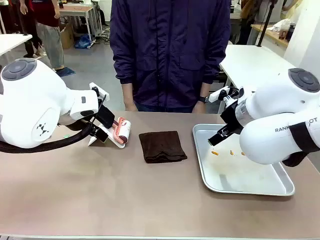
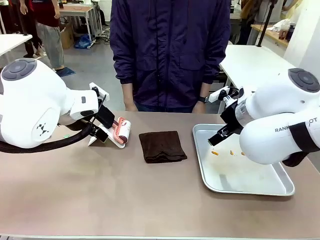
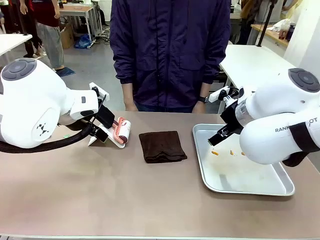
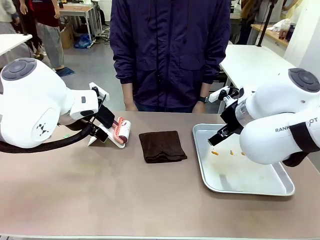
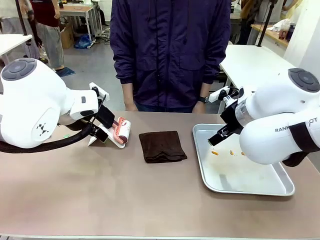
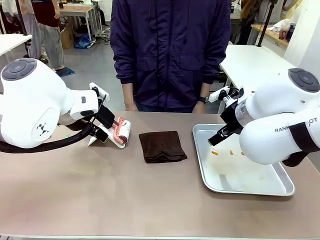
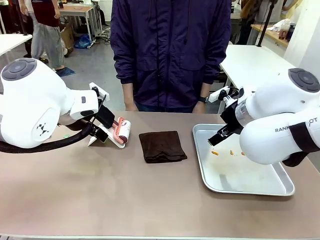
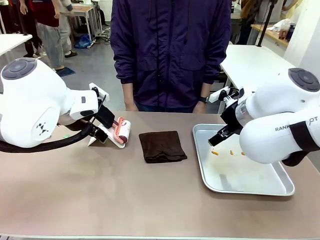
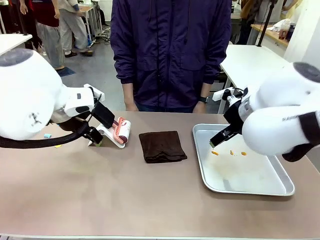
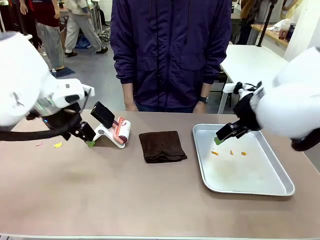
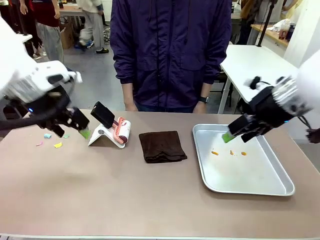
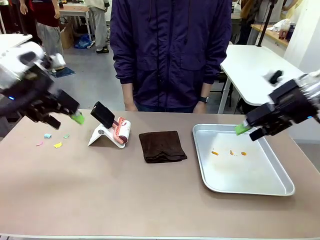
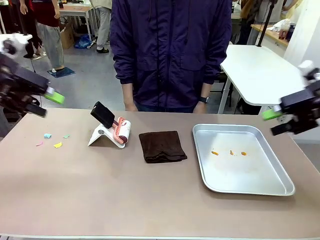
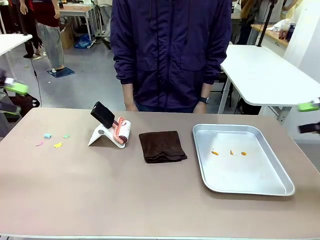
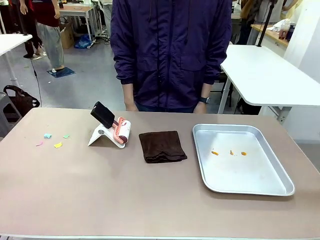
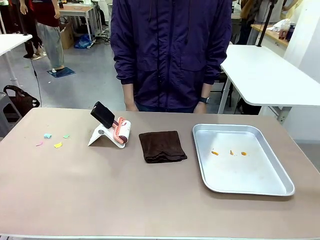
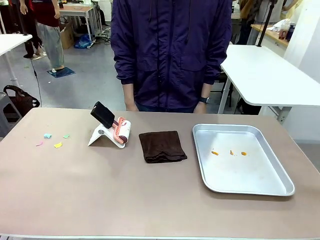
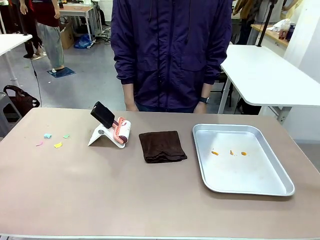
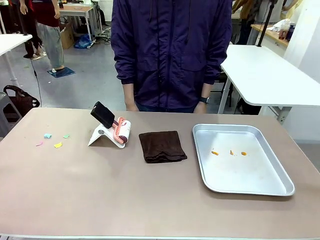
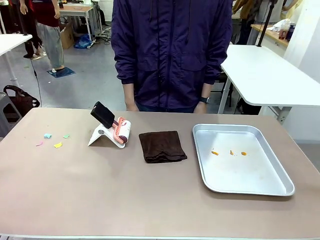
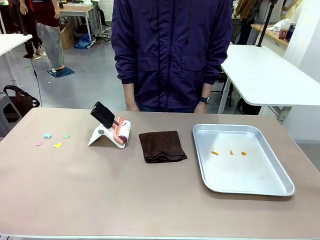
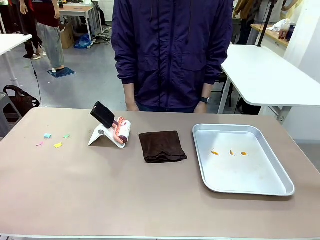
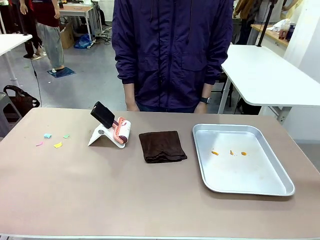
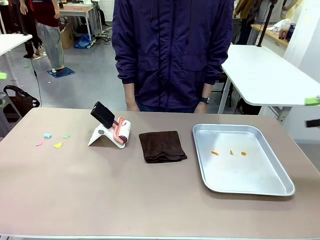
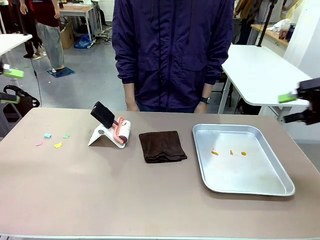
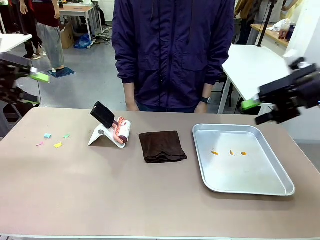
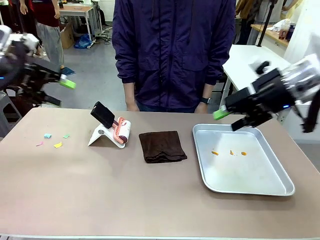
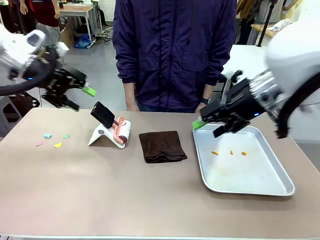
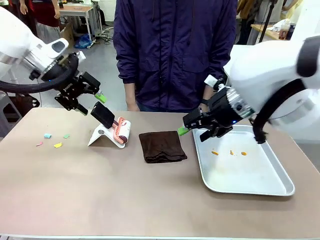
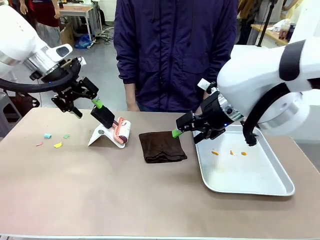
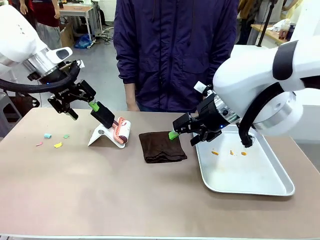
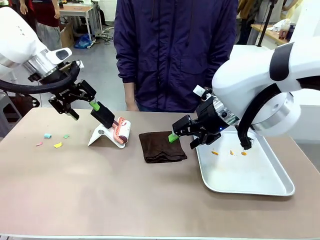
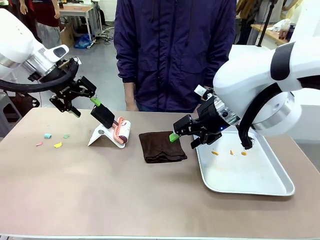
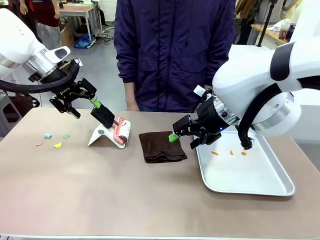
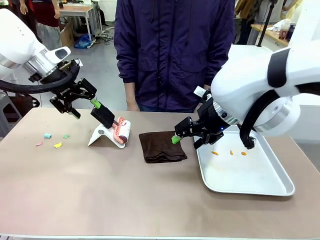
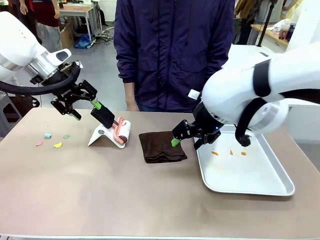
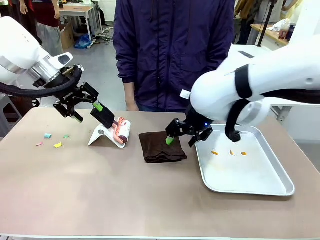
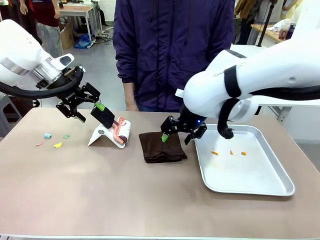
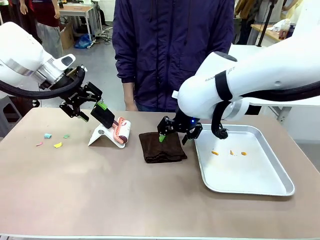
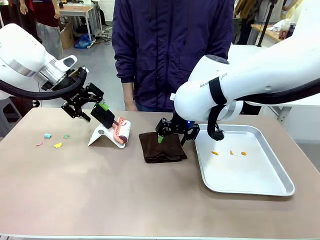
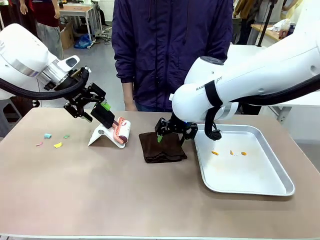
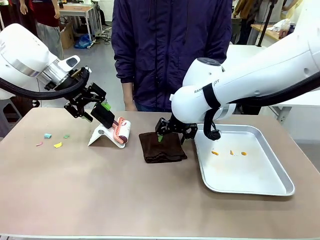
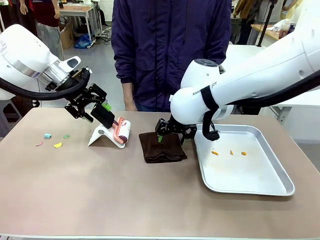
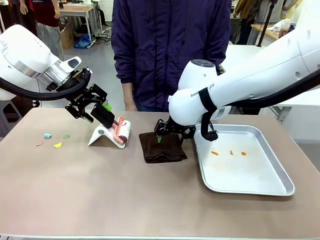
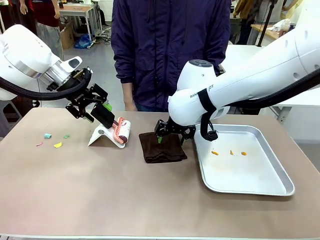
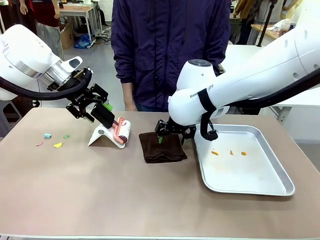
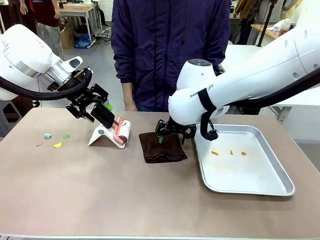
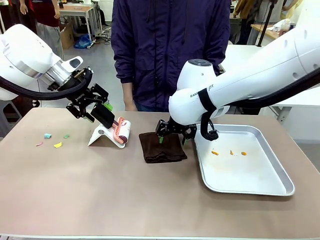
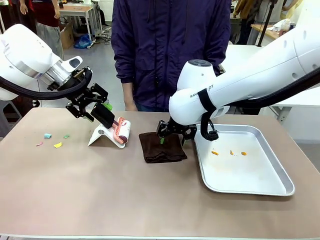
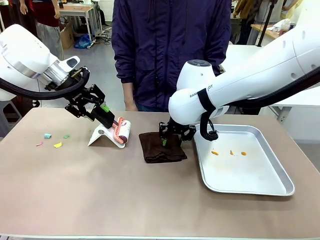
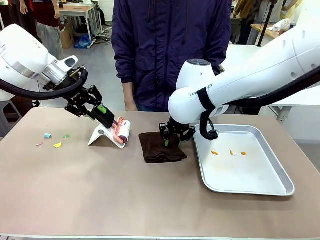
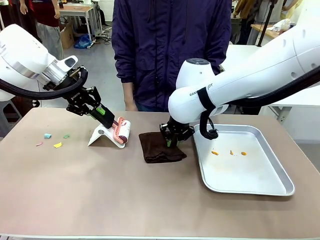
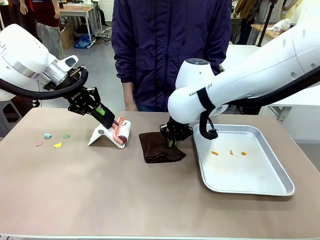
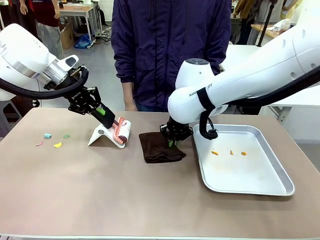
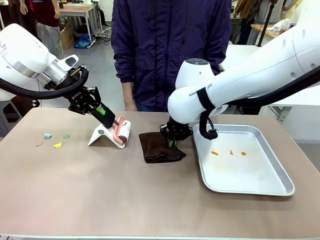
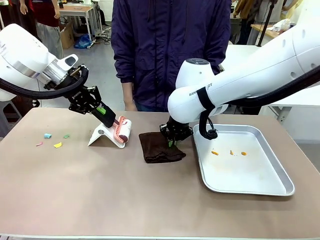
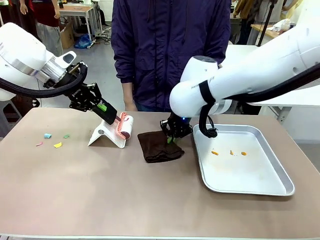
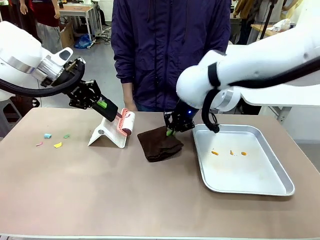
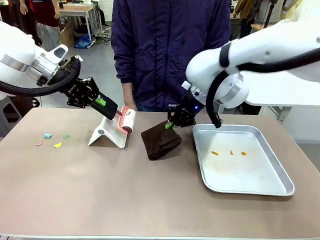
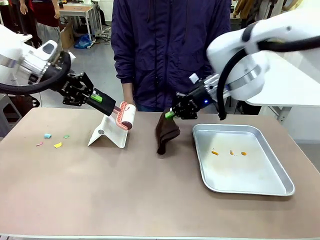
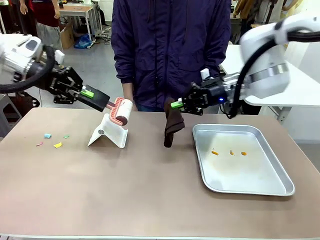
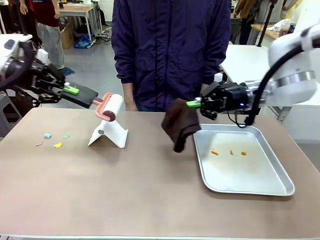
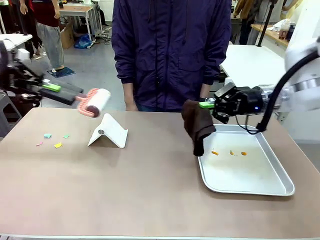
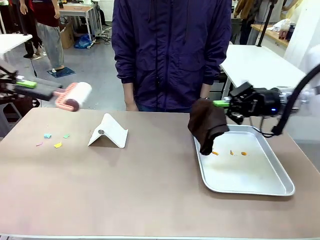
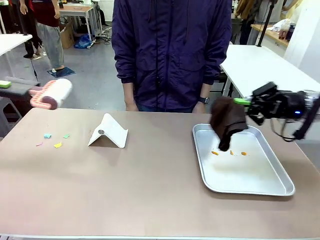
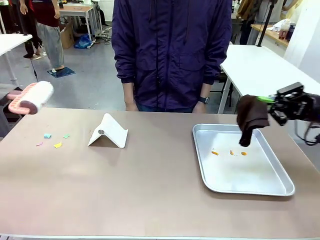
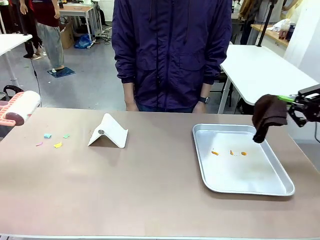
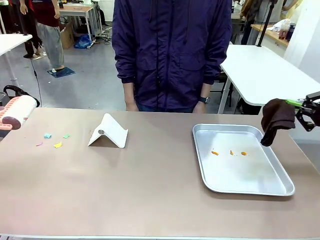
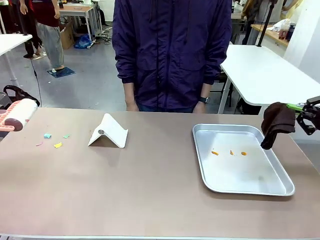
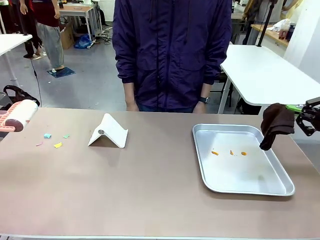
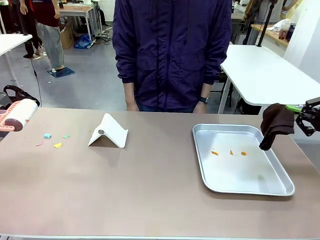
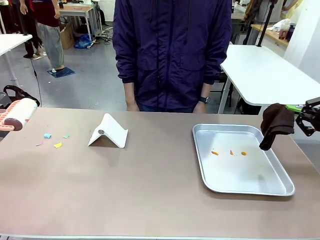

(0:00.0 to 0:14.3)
Task: Clean the surface of the table.
Robot: Hold the Lint Roller with your left hand and the towel with your right hand.

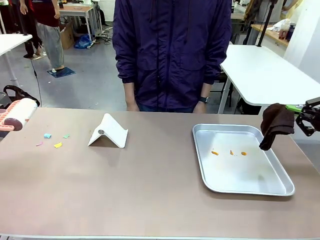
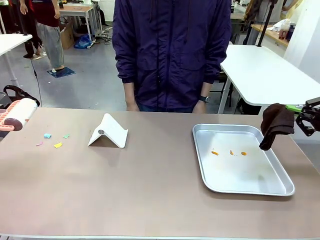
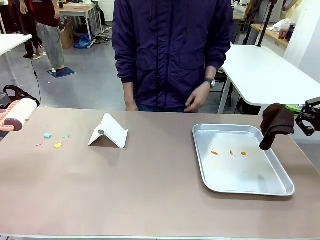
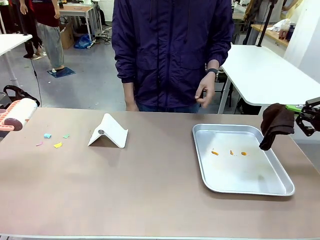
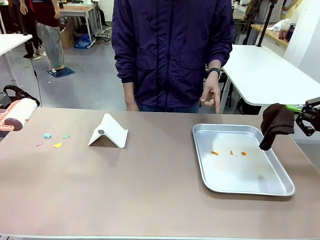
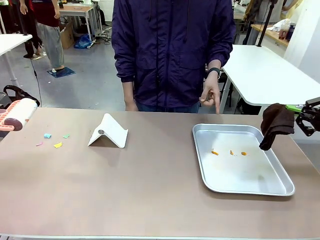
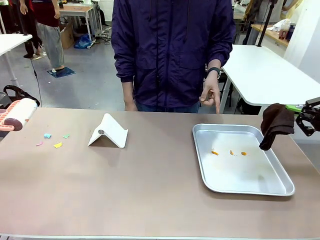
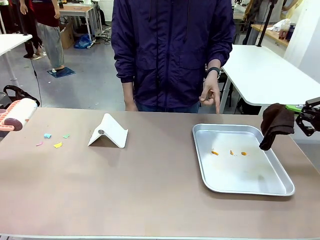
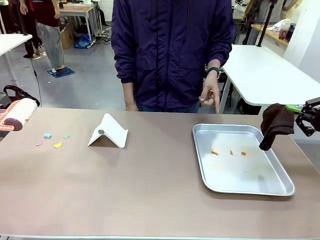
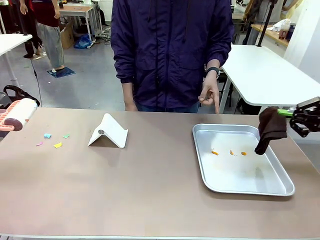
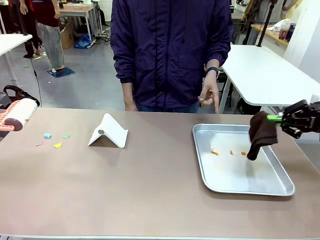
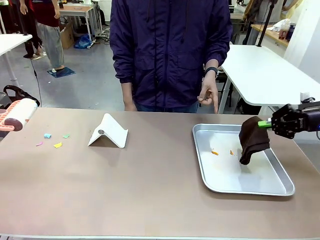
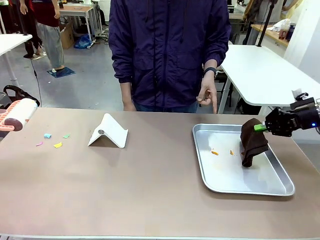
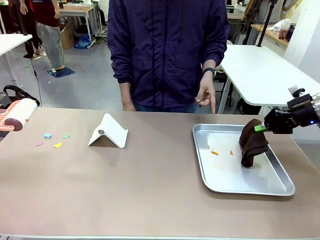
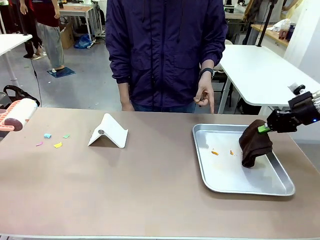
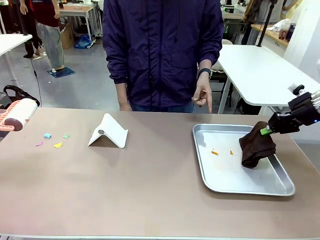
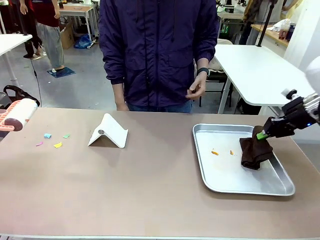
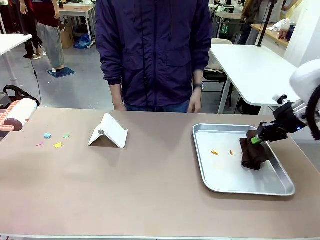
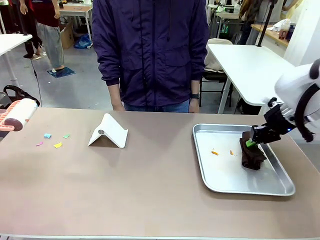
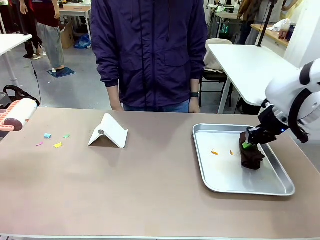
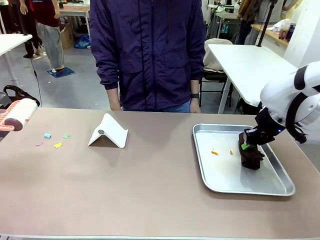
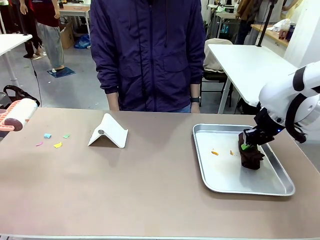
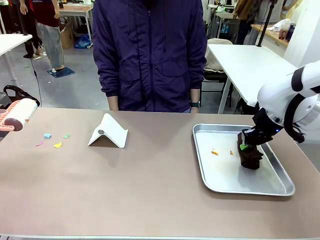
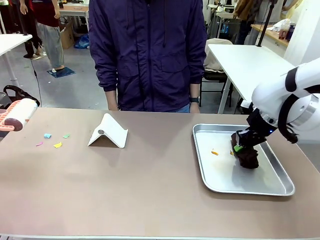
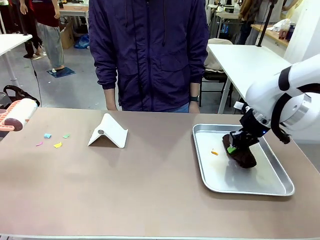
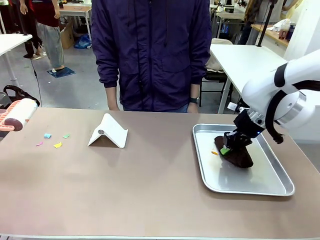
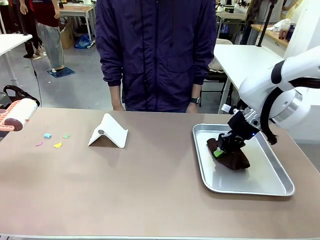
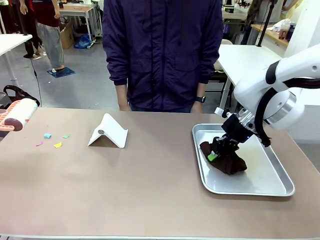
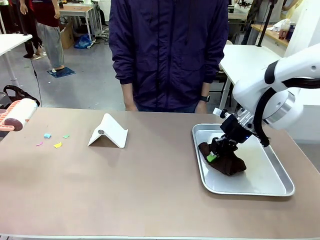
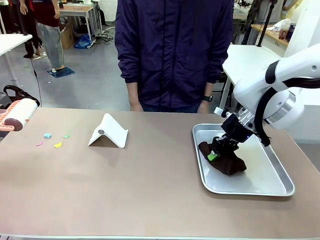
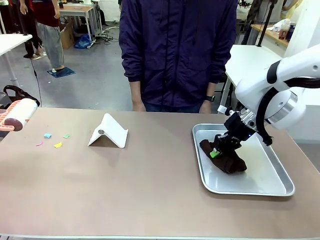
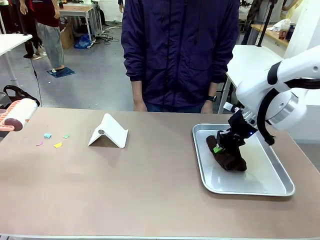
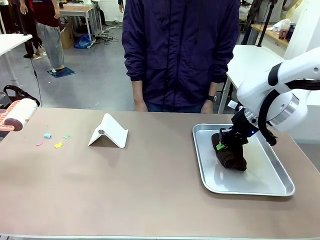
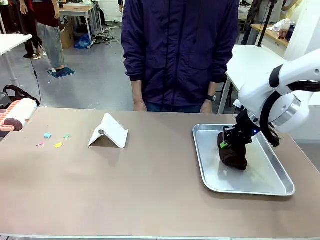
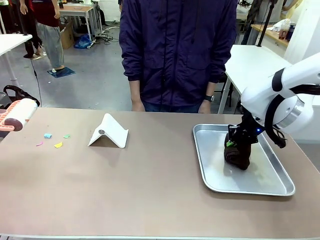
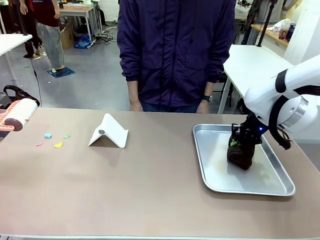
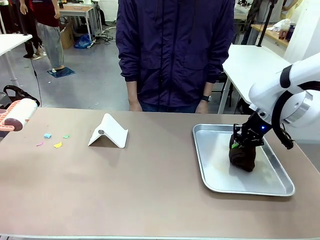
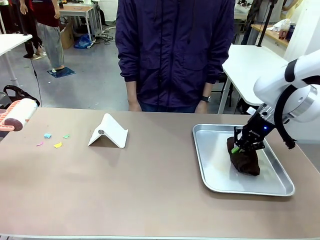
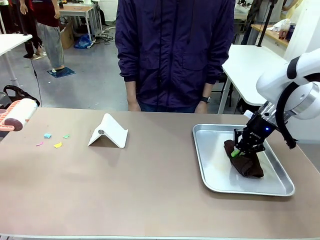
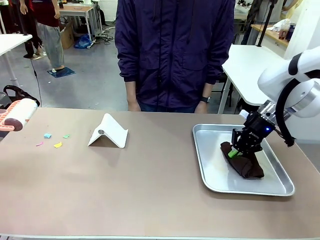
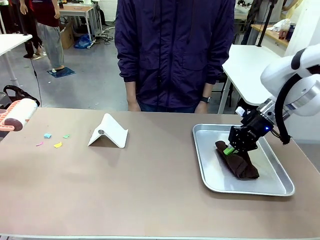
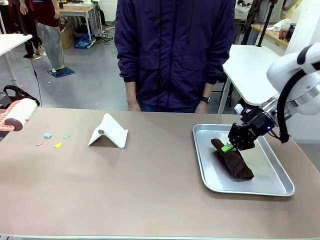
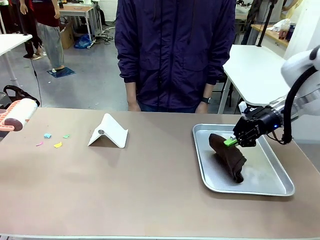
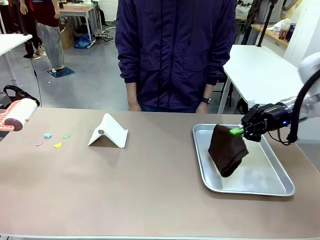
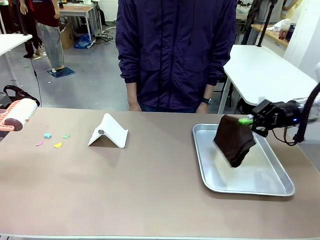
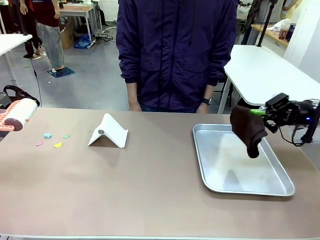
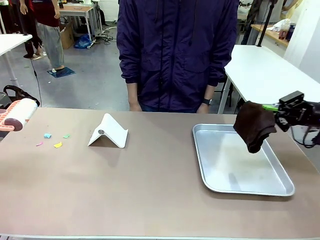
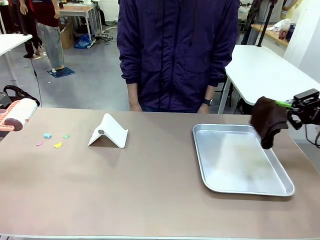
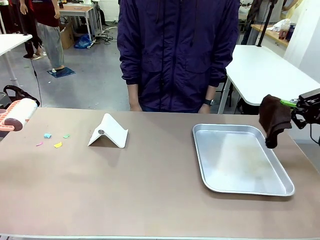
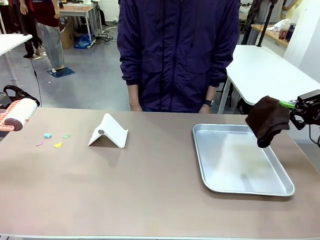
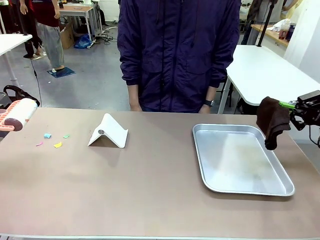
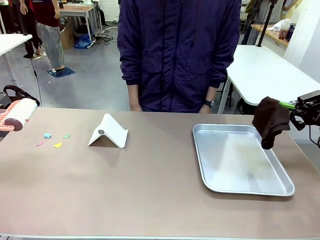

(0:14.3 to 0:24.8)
Robot: If a person points to the right, clean the right side of the table with your right hand, and if they point to the left, clean the left side with your left hand.
